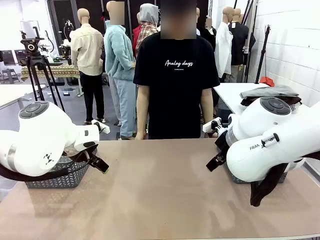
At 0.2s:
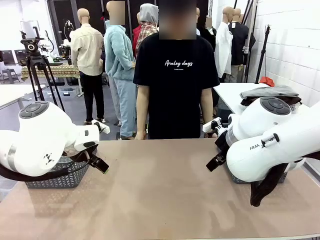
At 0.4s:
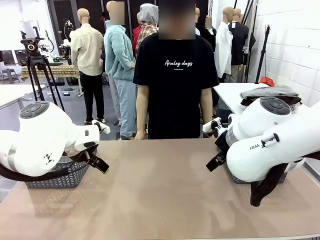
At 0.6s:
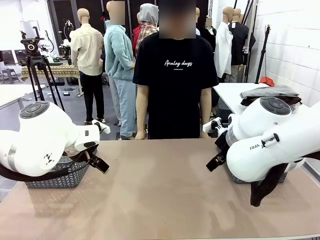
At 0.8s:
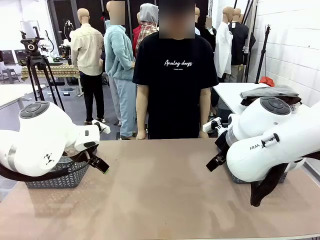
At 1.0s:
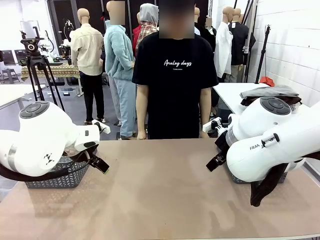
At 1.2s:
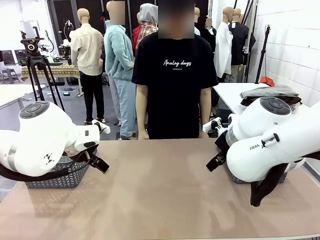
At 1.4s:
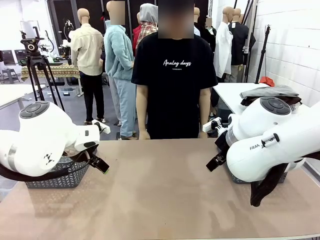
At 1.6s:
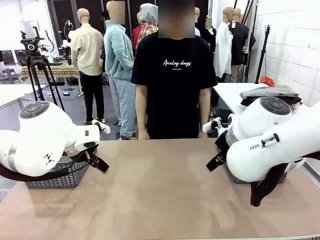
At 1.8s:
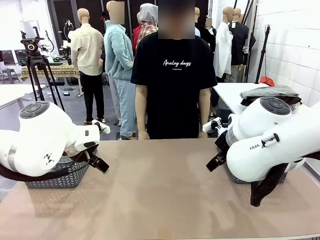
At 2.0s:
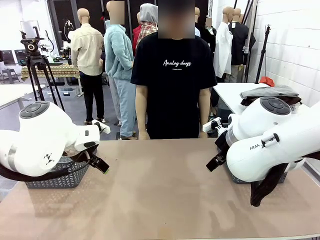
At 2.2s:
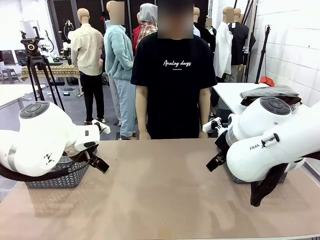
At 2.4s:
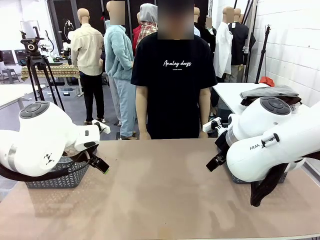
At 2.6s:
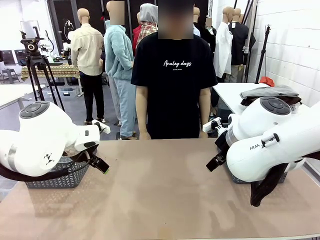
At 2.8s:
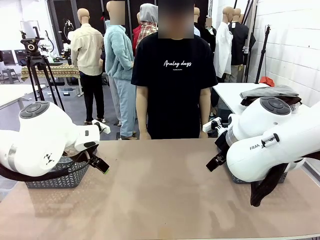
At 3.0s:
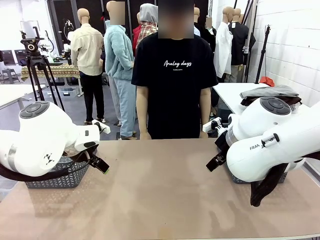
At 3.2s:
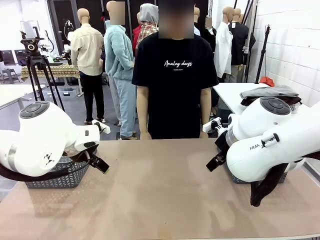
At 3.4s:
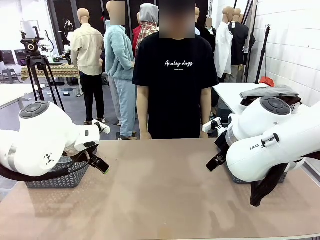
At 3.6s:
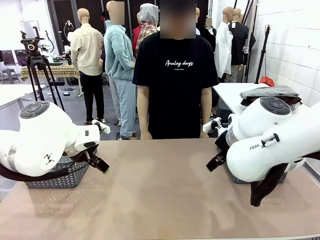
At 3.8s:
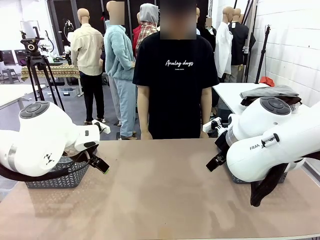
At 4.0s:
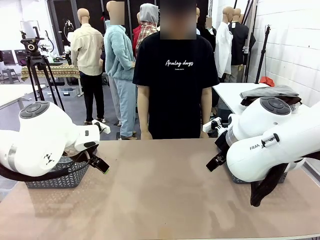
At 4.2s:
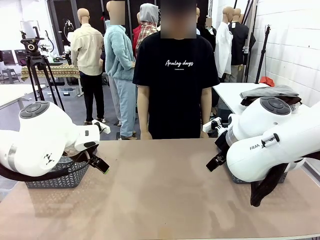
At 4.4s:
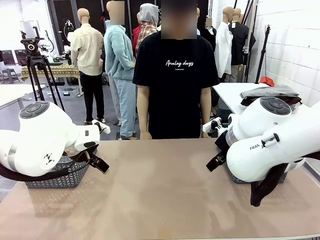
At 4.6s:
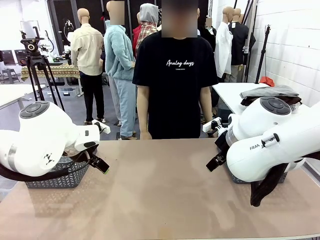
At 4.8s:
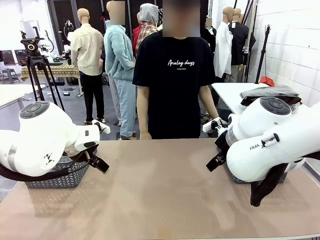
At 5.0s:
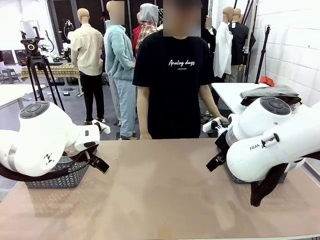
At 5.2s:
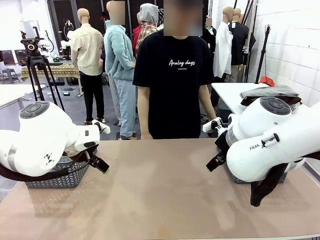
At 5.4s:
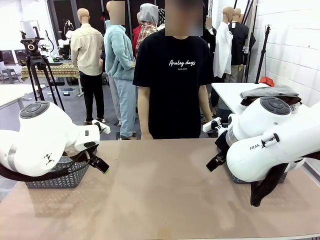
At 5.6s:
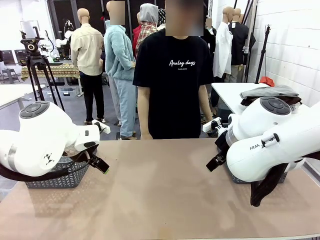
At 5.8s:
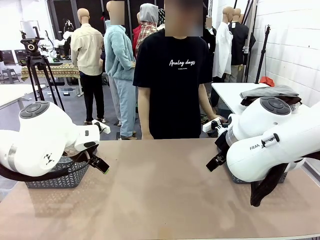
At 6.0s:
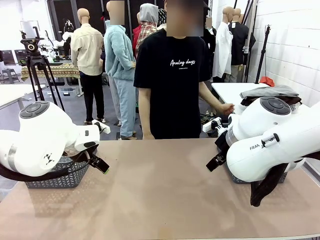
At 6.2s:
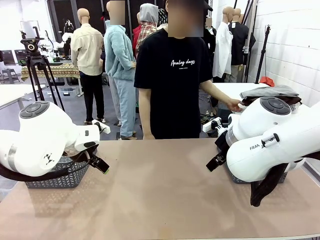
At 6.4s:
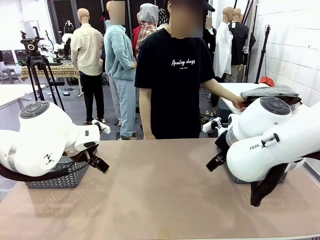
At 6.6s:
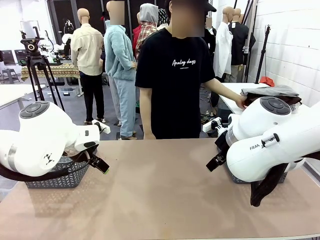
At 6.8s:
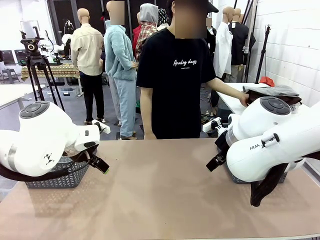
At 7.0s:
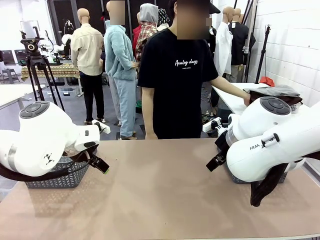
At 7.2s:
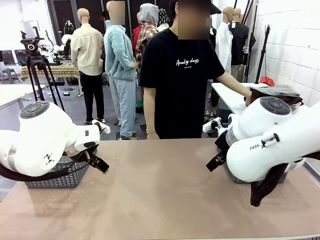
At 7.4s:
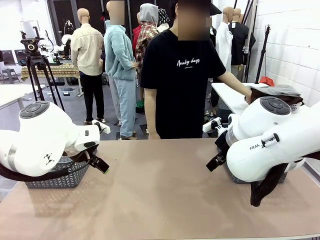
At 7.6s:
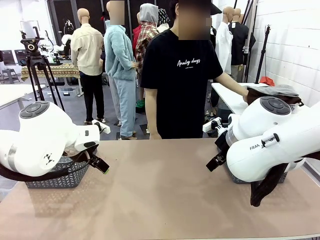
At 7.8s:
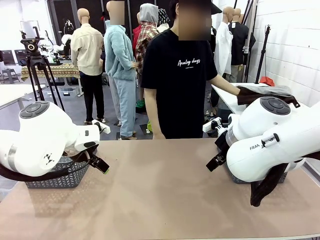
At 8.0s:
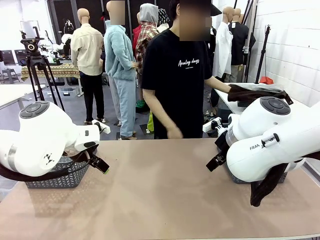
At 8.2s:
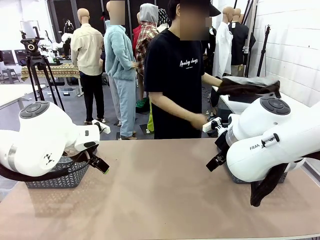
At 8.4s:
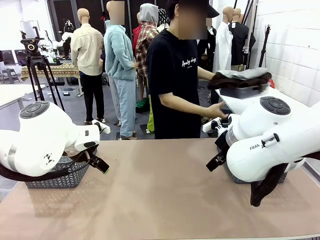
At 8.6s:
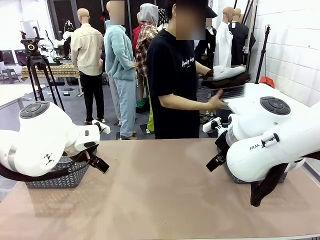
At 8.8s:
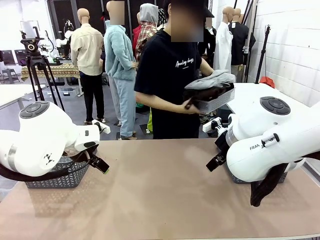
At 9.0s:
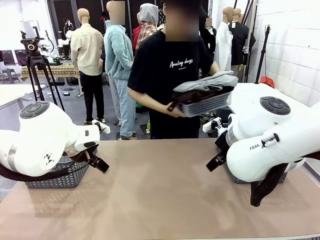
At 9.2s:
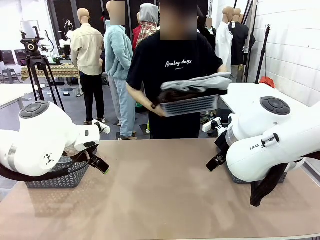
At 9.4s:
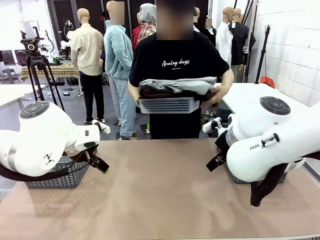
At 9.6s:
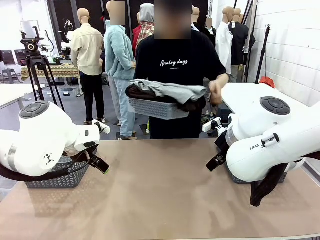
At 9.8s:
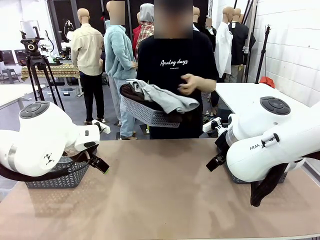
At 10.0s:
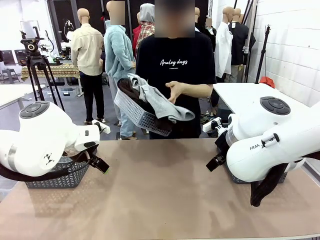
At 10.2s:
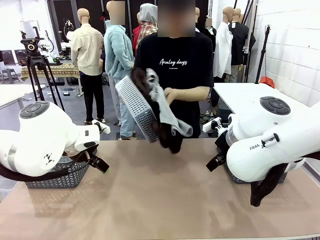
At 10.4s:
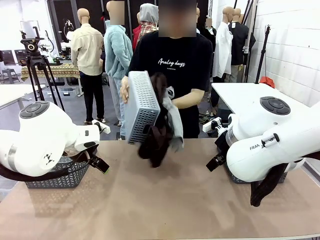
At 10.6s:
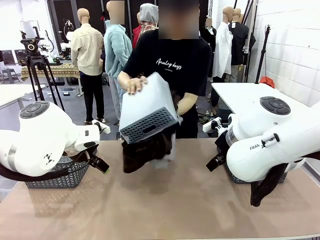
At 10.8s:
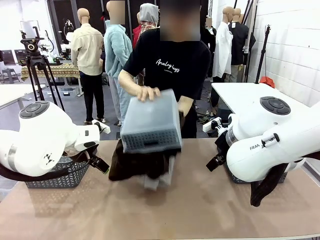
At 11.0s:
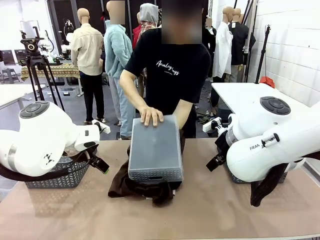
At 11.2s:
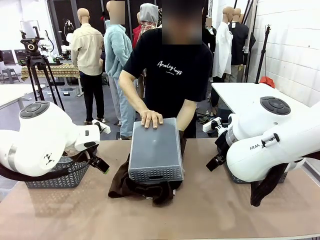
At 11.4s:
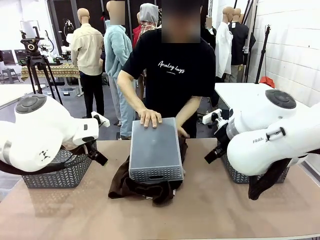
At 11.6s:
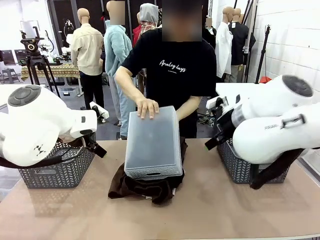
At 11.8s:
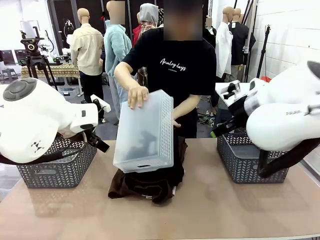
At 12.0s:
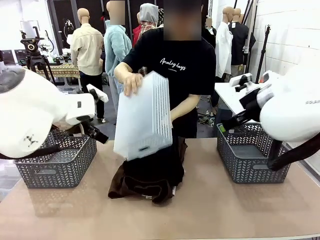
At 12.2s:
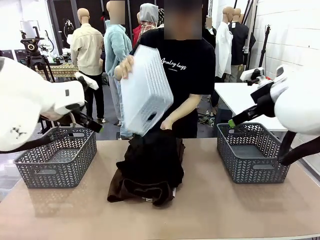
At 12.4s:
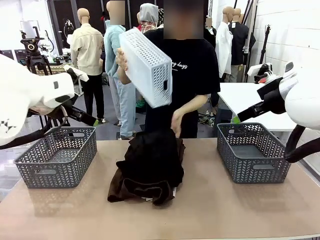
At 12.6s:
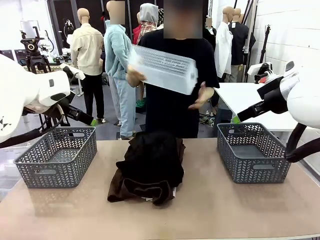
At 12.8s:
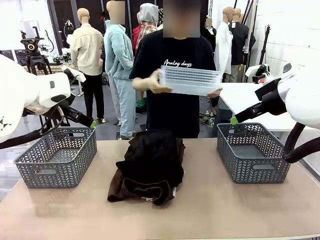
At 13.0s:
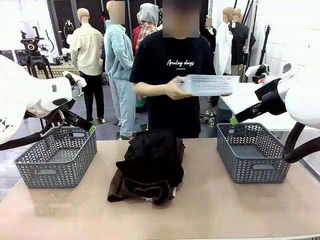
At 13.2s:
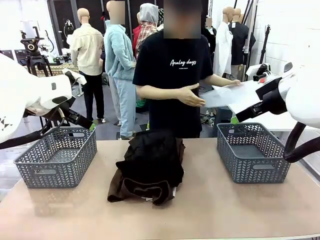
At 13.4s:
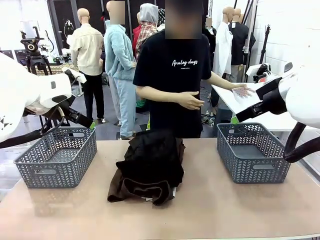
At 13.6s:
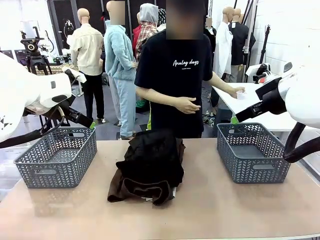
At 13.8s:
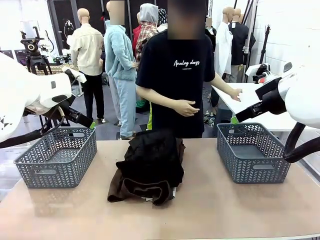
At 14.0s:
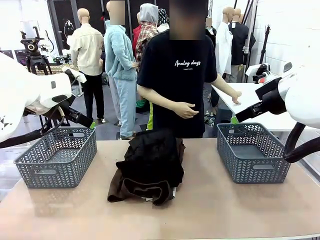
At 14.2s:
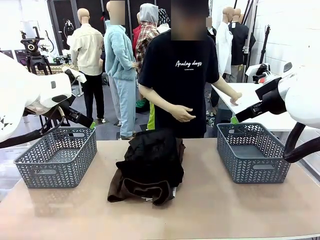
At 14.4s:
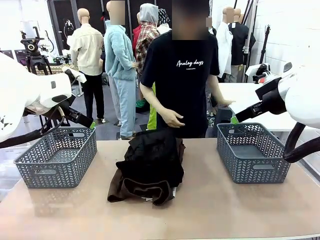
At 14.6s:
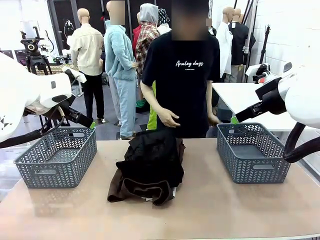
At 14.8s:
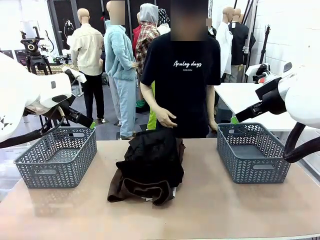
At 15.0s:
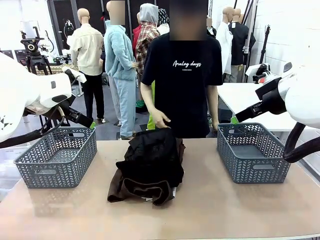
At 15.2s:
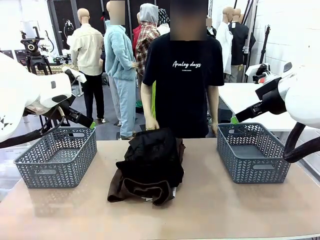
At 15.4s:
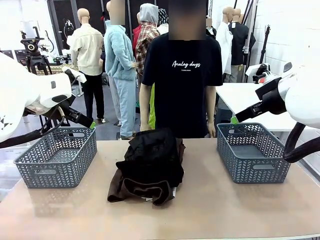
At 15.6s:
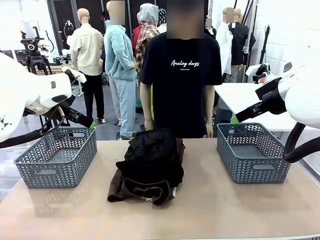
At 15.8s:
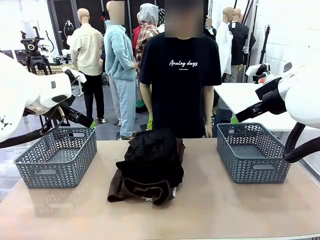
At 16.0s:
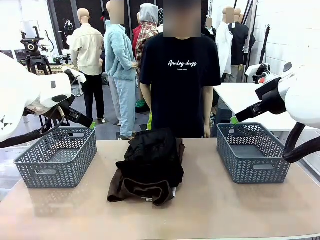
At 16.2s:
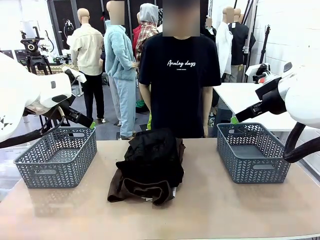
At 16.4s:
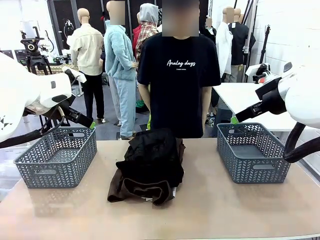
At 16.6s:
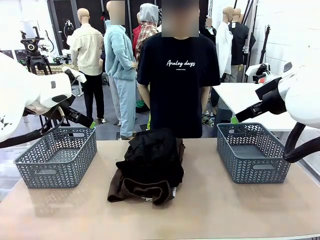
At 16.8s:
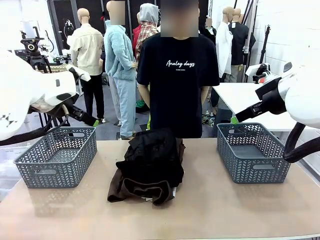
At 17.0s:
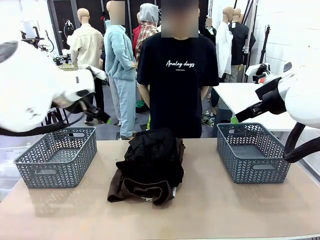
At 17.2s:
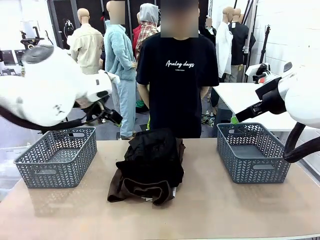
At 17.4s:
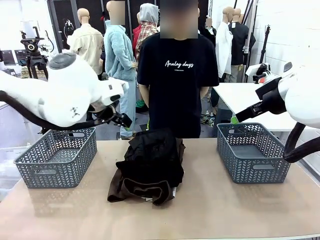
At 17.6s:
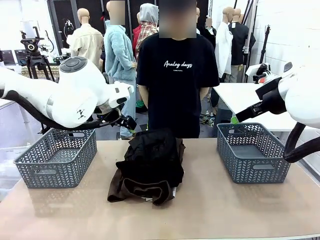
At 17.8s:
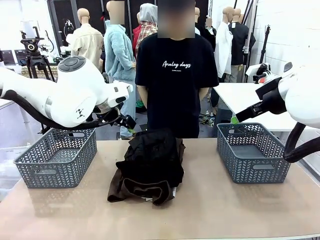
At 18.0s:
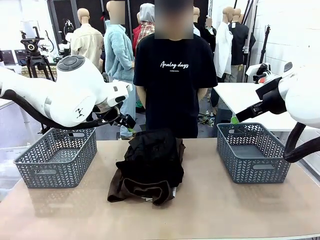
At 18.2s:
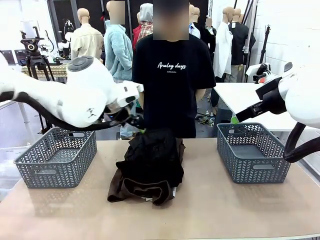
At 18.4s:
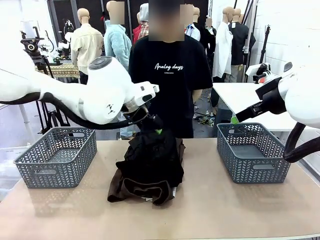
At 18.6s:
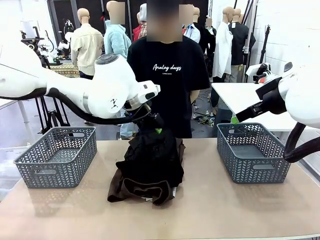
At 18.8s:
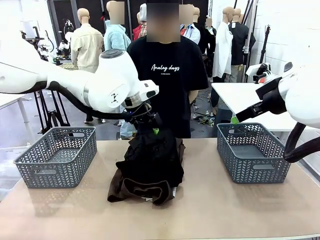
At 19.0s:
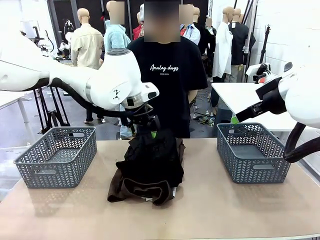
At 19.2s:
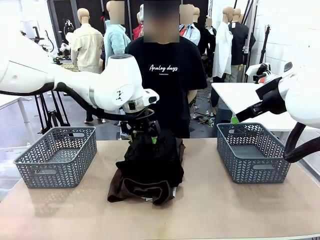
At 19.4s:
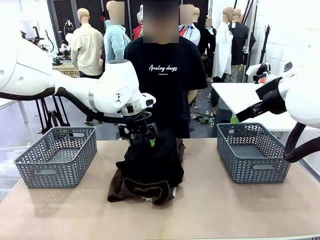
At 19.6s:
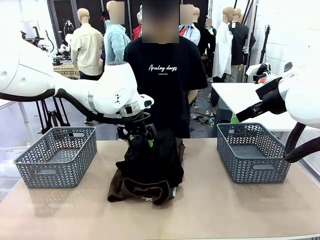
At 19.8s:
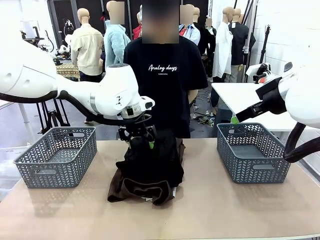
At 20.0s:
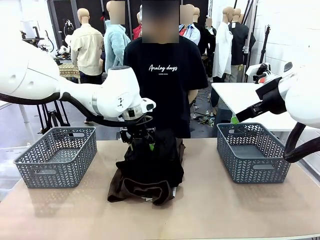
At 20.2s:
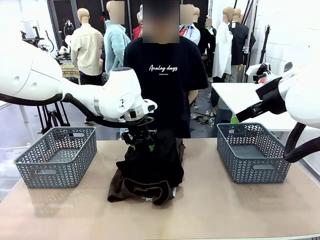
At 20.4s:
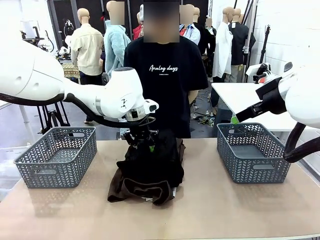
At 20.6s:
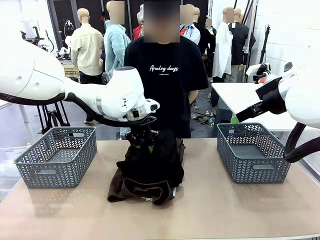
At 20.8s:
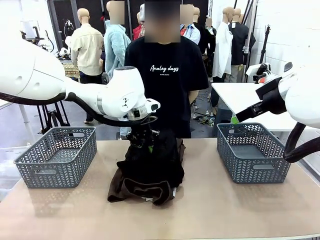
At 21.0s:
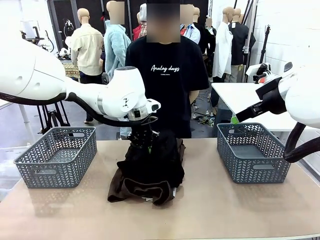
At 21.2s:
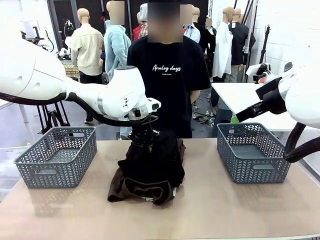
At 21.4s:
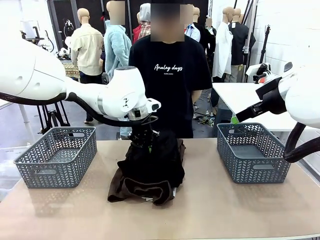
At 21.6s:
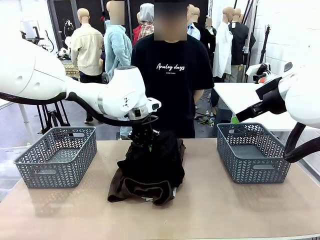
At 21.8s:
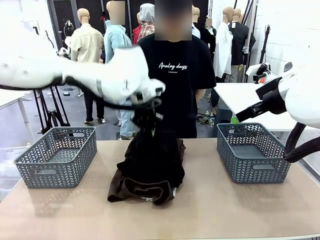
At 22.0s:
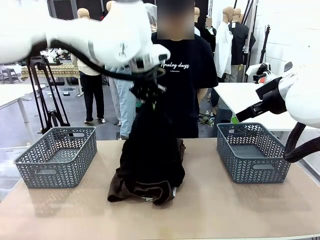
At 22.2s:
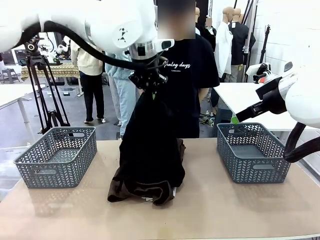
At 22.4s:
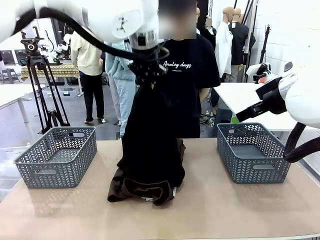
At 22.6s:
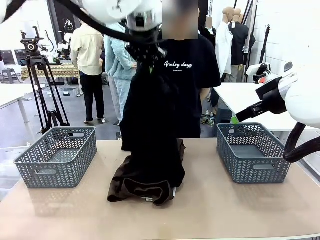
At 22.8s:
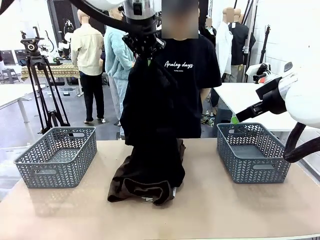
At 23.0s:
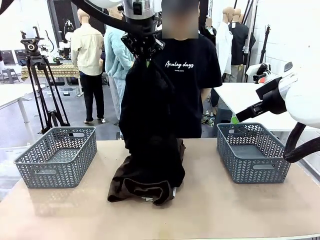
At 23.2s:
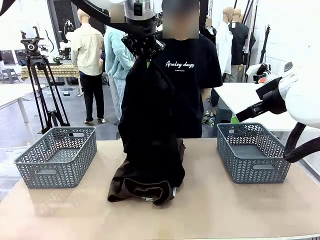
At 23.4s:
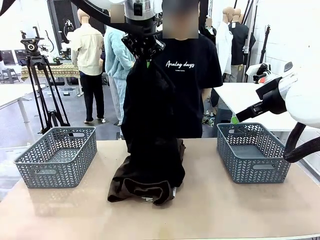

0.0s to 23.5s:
Task: Sort the tops and bottoms.
Robot: Lift clothes from the center of the table with your left hand.
Person: Pour the clothes from the basket onto the center of the robot table.
